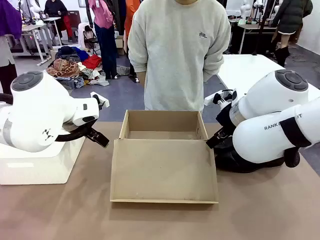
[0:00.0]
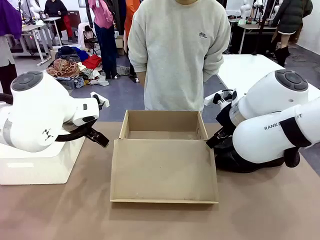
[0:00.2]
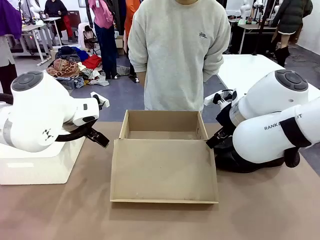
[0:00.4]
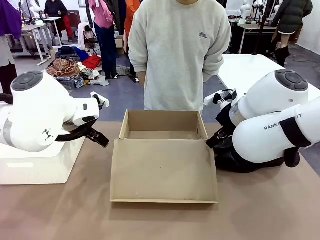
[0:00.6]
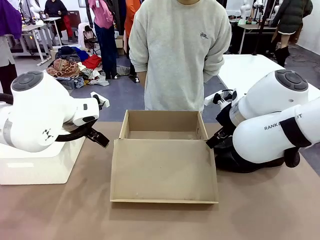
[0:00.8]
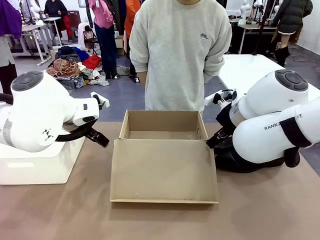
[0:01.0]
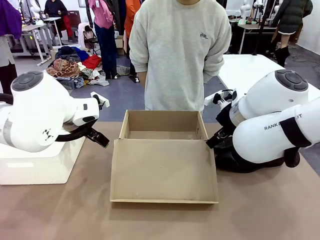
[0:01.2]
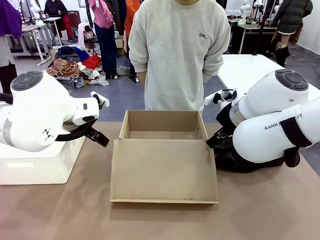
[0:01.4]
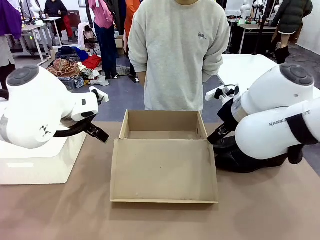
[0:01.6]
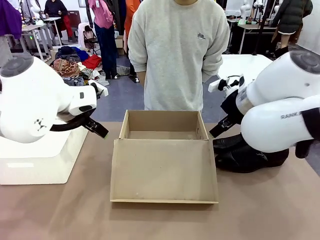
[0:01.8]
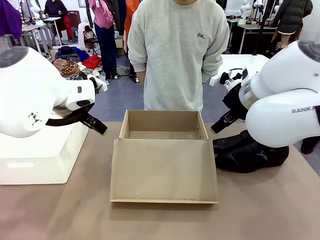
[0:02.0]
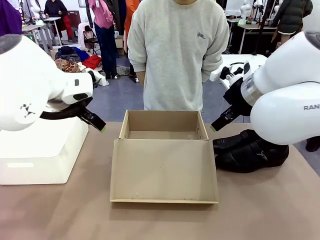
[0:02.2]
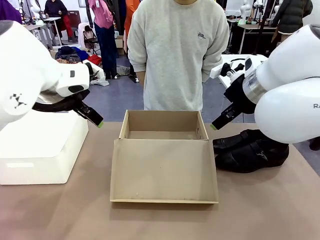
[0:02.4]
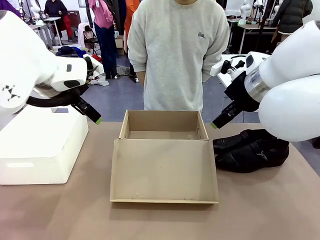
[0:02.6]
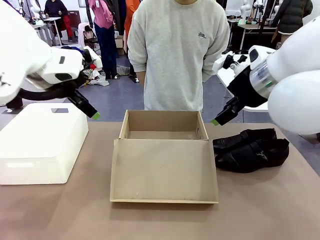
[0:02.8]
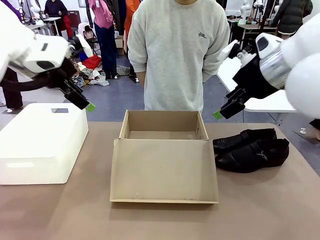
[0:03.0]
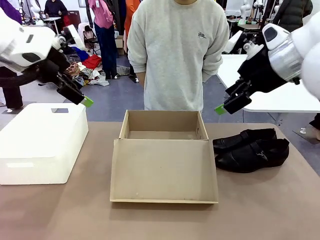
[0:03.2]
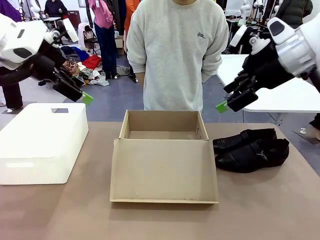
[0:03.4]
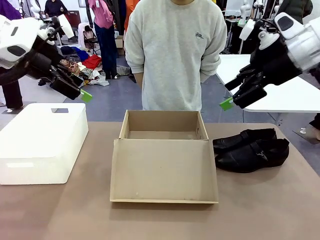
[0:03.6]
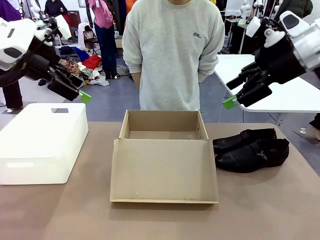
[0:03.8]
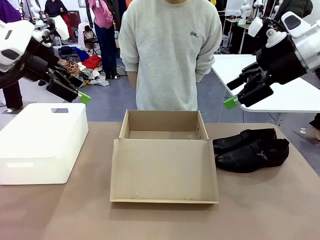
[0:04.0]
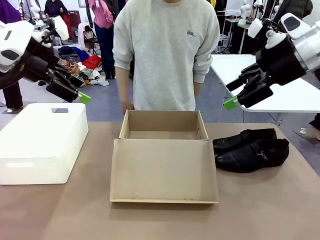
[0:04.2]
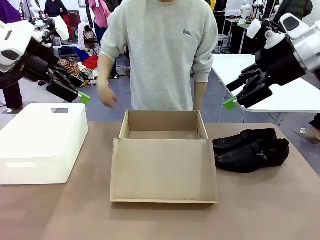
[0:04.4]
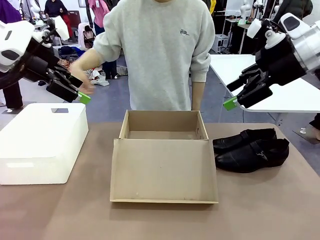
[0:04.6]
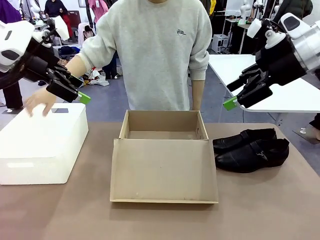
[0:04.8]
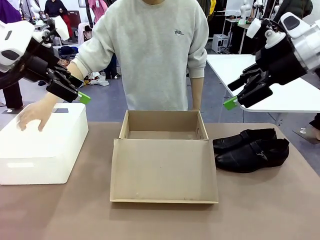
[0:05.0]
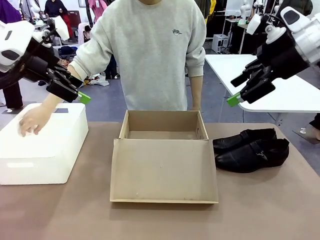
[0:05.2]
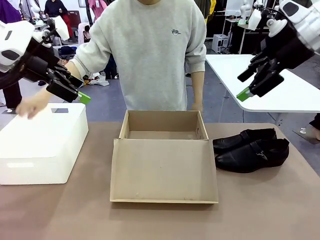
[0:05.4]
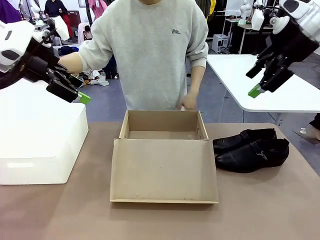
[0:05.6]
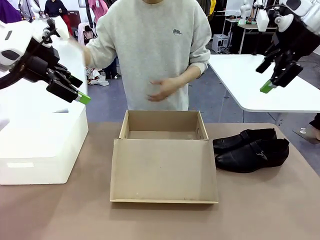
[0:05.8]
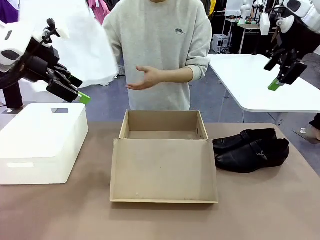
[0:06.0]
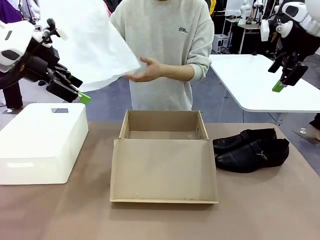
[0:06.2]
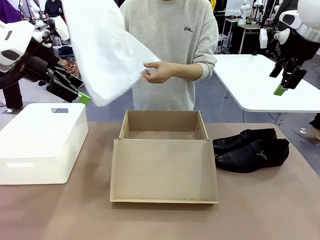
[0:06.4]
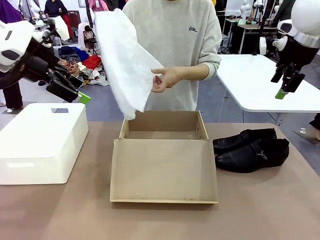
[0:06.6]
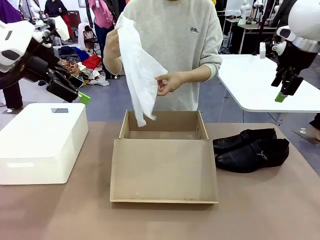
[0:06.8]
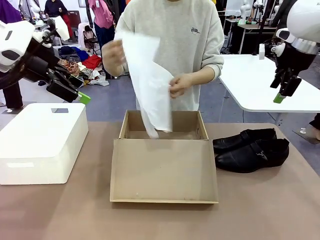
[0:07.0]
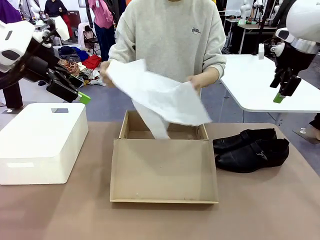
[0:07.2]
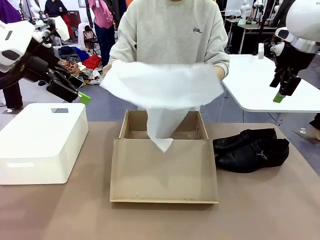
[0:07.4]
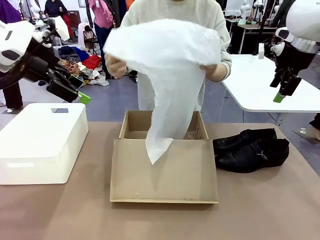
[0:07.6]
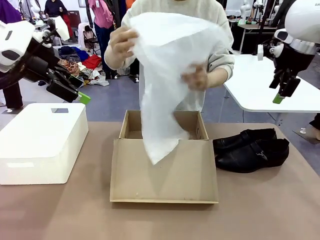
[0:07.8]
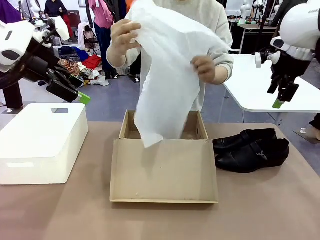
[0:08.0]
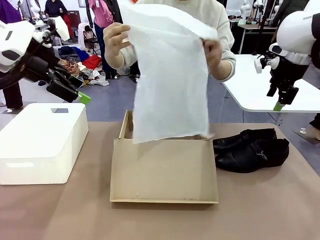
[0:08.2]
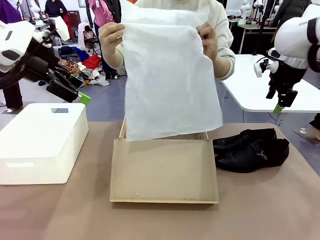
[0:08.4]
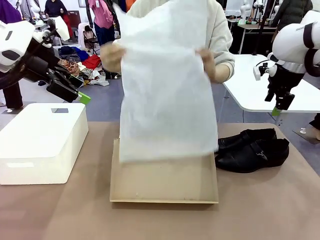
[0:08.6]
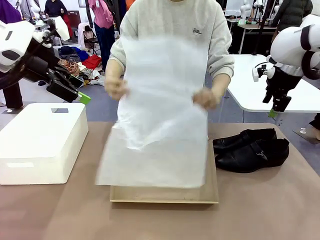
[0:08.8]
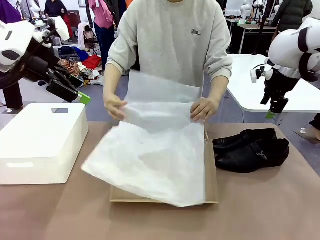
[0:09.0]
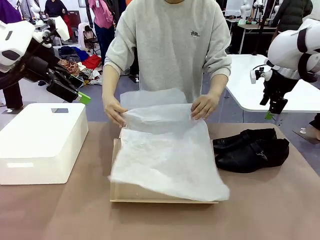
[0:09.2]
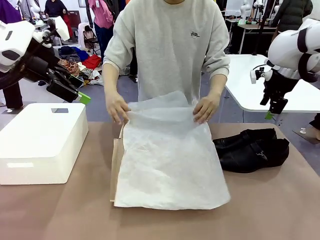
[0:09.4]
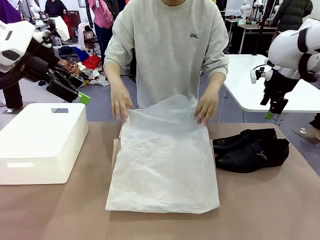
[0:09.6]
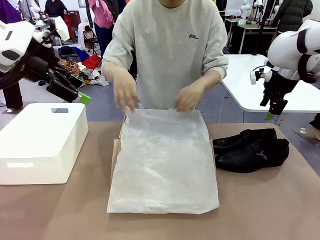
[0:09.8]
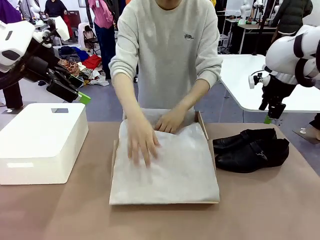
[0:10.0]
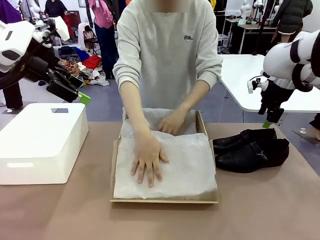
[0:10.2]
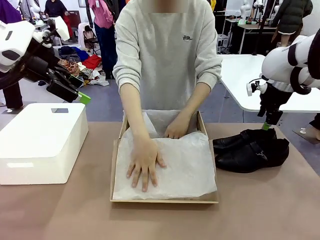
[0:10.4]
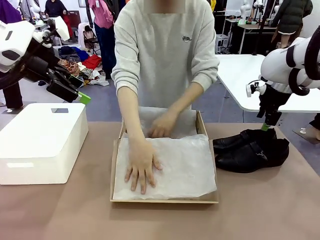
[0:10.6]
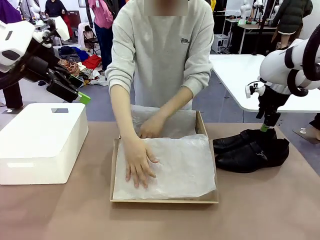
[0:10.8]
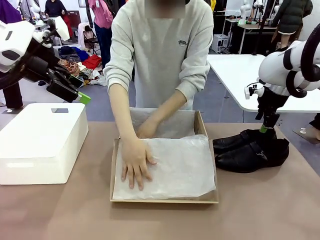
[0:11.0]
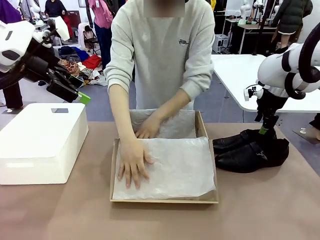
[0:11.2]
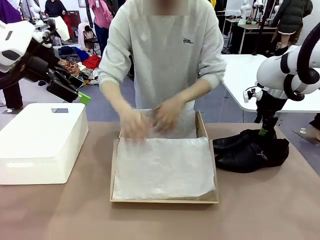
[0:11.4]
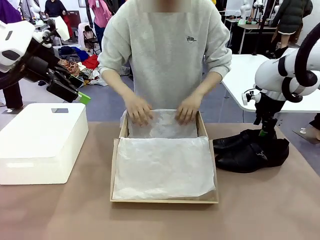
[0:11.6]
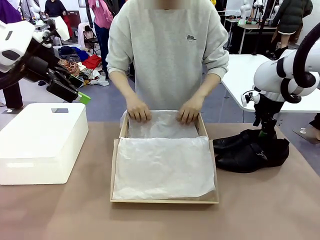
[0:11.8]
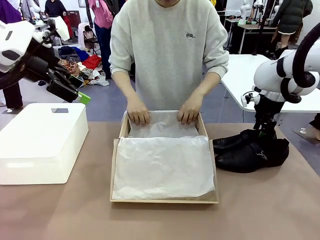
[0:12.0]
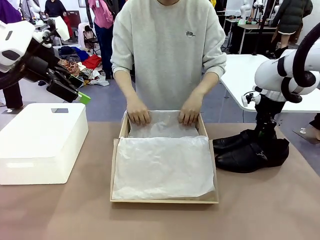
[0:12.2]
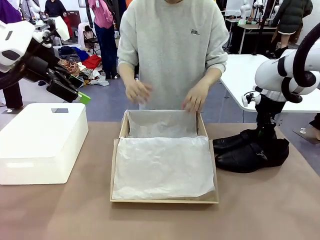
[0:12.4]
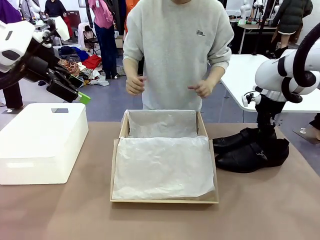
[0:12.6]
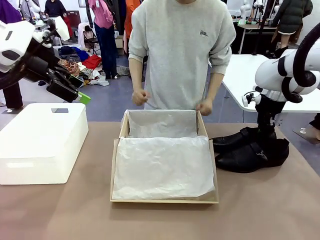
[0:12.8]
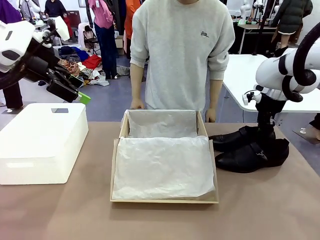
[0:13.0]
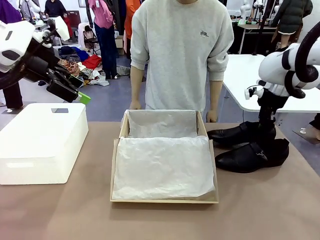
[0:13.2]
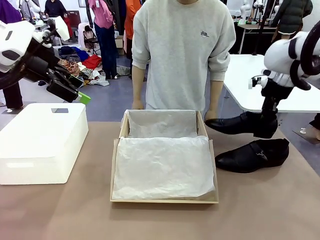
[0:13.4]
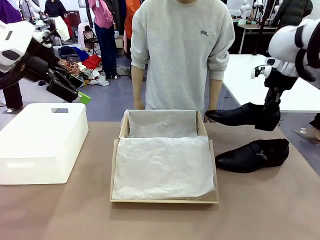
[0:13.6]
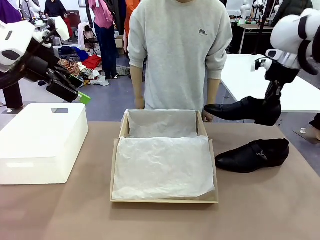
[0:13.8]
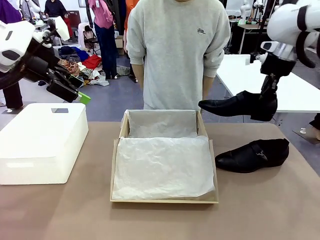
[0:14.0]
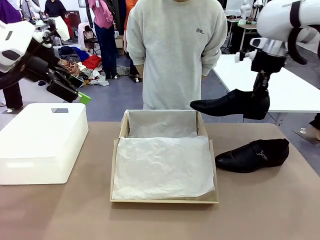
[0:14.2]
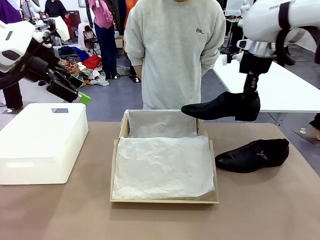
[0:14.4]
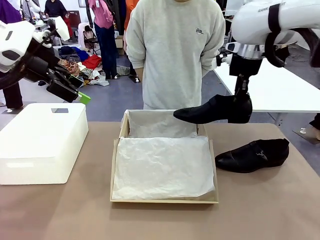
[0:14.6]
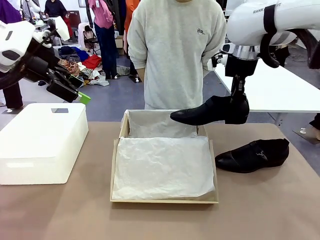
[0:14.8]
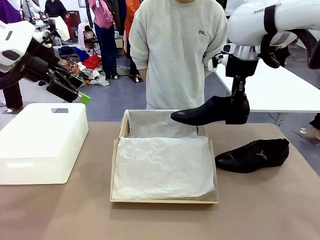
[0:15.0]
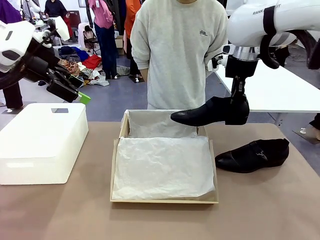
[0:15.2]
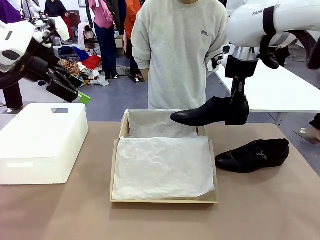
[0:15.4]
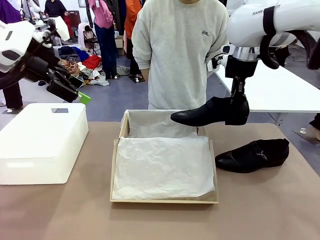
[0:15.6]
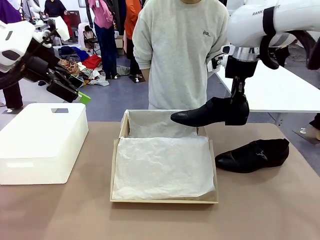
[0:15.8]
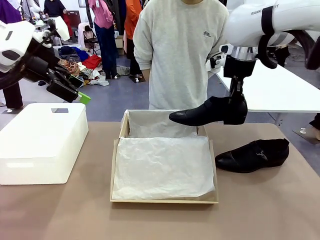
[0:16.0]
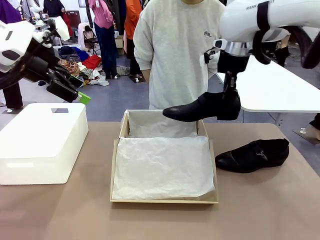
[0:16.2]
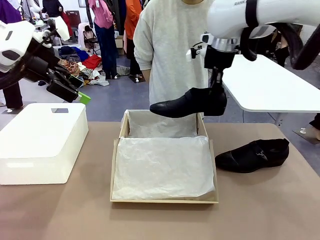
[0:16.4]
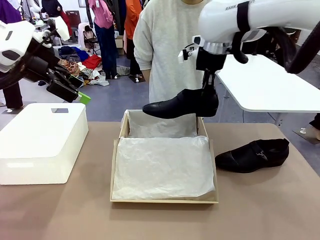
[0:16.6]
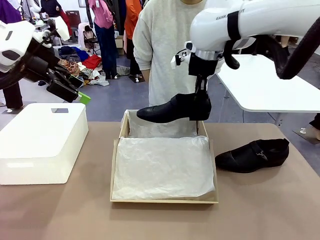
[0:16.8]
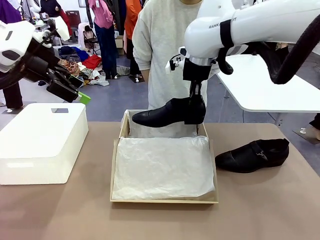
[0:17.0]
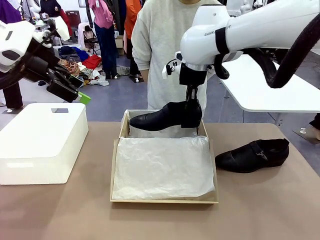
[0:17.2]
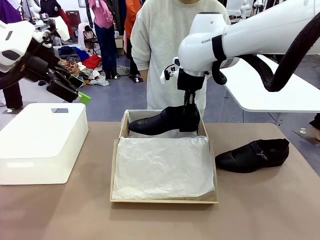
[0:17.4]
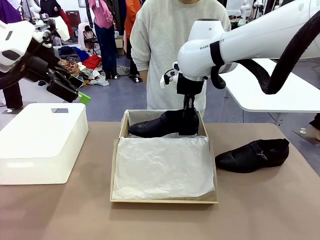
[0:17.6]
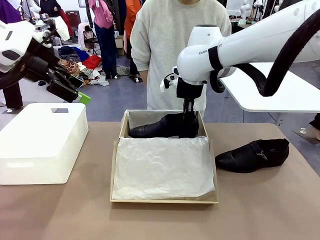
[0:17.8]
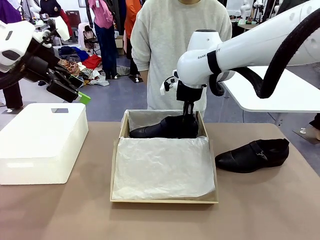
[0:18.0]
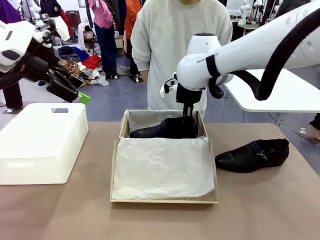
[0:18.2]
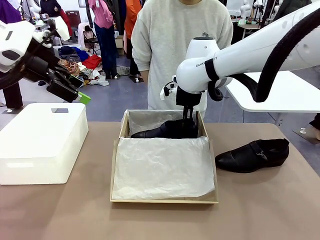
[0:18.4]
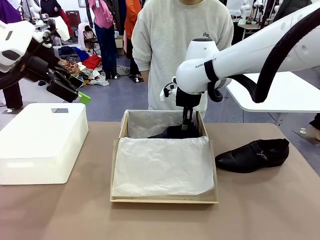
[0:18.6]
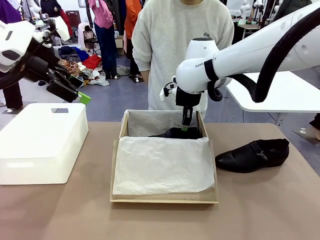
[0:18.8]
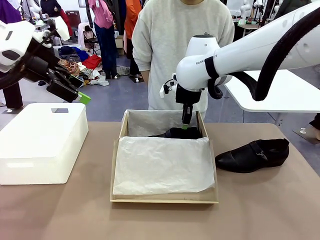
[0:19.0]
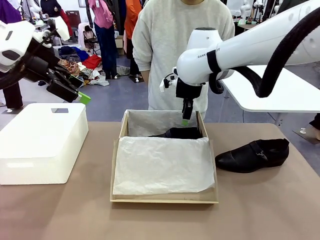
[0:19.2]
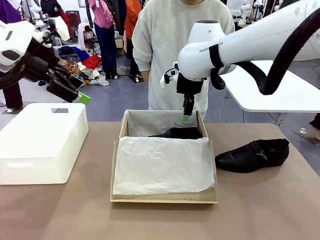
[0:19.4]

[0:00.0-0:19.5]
Task: Pack the shoes into the box.
Robot: Place one shoe of the Shoes into the Shoes Box.
Person: Spread Shoes Wrapping Paper and place inside the Shoes Box.
